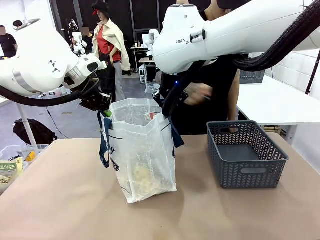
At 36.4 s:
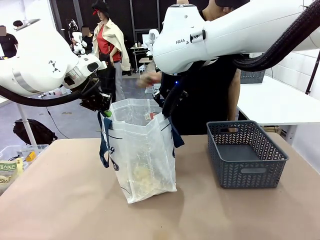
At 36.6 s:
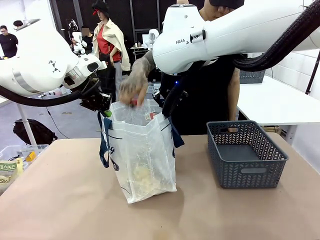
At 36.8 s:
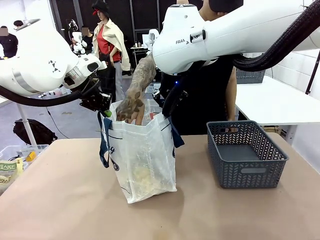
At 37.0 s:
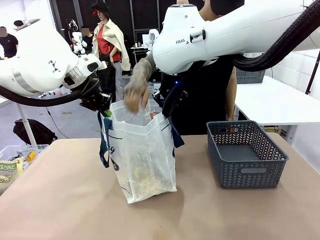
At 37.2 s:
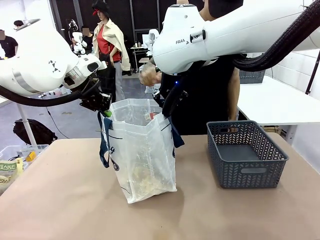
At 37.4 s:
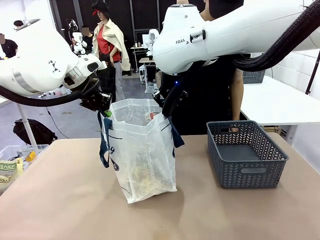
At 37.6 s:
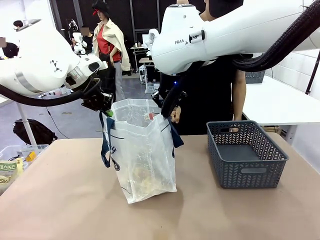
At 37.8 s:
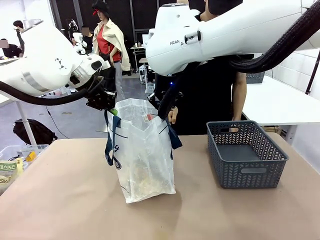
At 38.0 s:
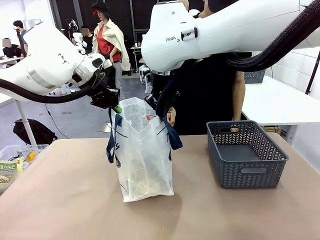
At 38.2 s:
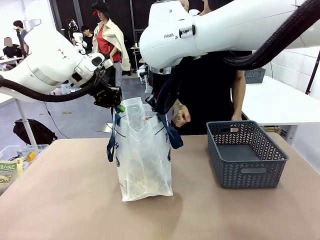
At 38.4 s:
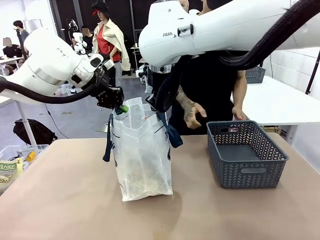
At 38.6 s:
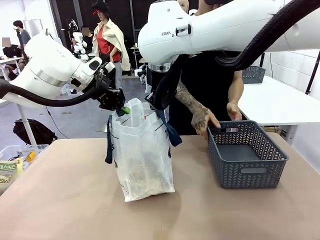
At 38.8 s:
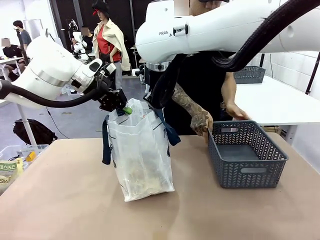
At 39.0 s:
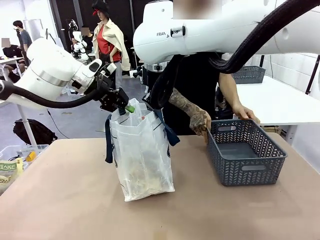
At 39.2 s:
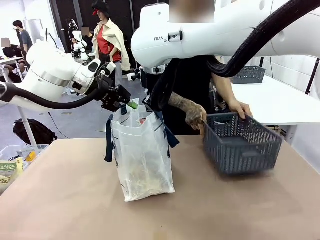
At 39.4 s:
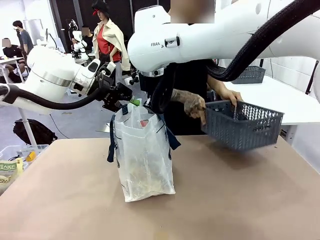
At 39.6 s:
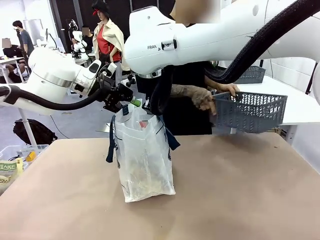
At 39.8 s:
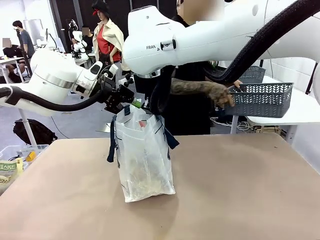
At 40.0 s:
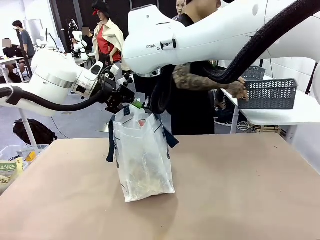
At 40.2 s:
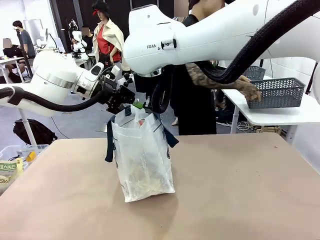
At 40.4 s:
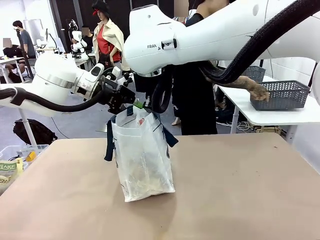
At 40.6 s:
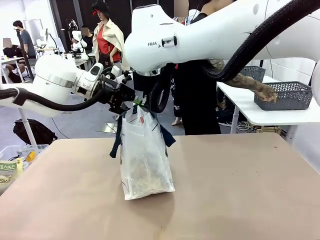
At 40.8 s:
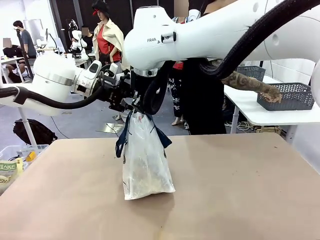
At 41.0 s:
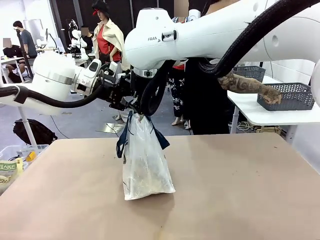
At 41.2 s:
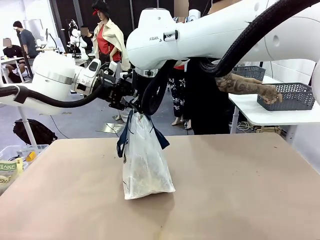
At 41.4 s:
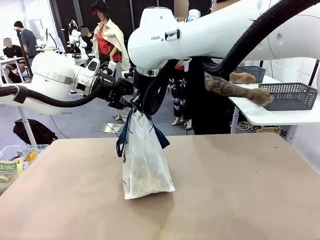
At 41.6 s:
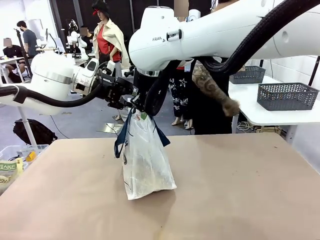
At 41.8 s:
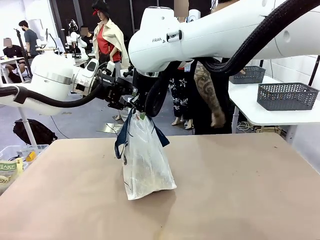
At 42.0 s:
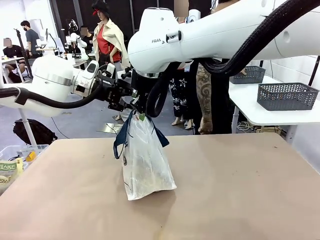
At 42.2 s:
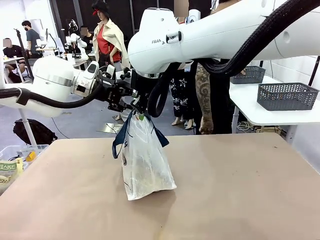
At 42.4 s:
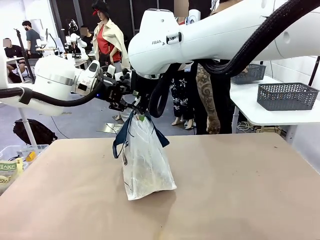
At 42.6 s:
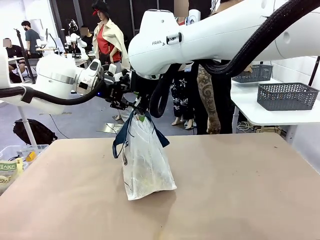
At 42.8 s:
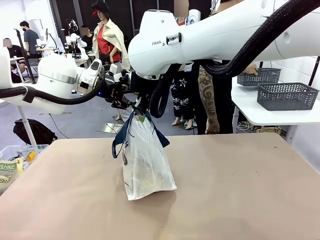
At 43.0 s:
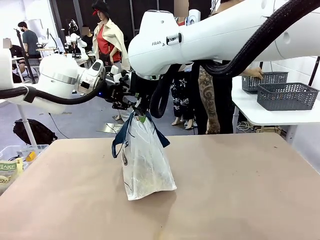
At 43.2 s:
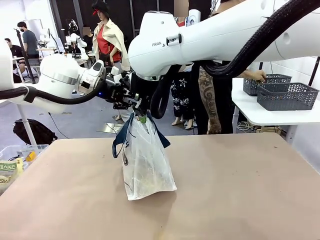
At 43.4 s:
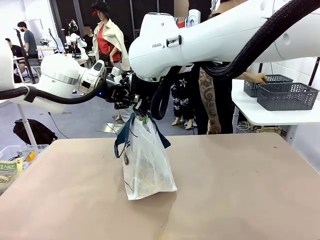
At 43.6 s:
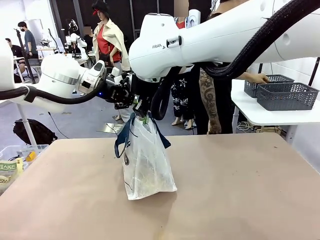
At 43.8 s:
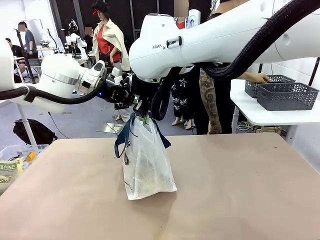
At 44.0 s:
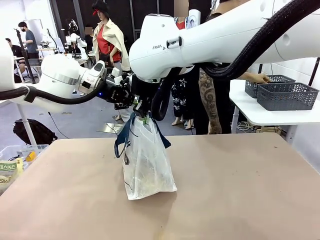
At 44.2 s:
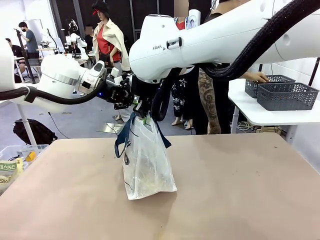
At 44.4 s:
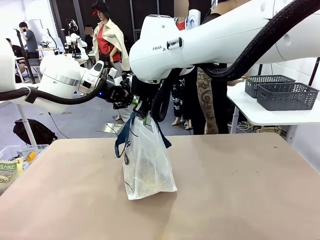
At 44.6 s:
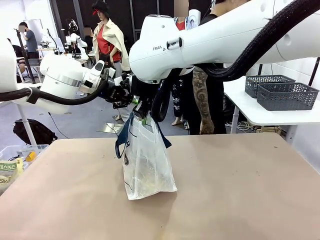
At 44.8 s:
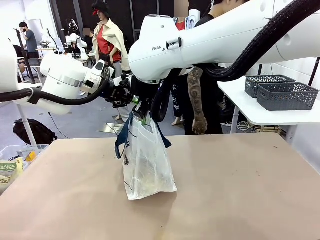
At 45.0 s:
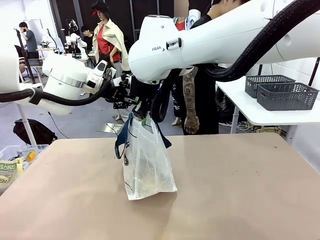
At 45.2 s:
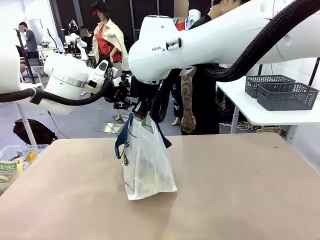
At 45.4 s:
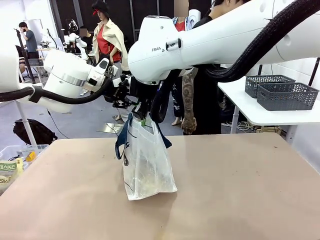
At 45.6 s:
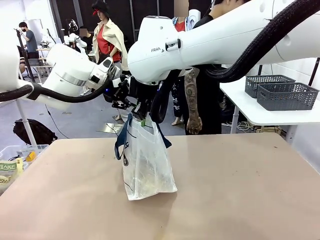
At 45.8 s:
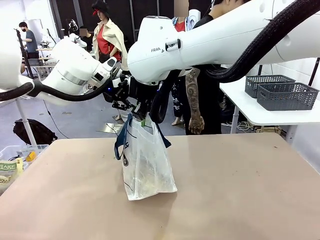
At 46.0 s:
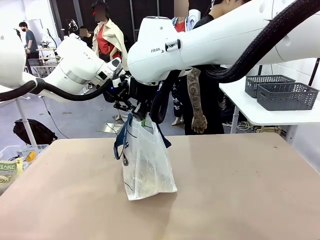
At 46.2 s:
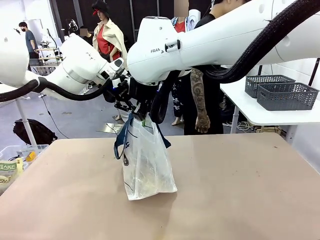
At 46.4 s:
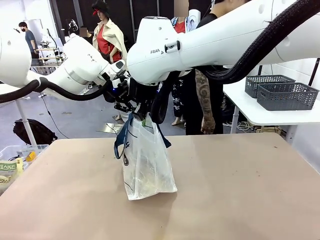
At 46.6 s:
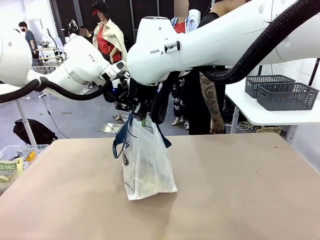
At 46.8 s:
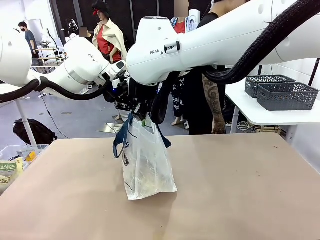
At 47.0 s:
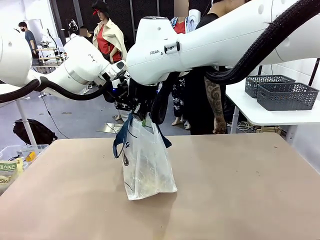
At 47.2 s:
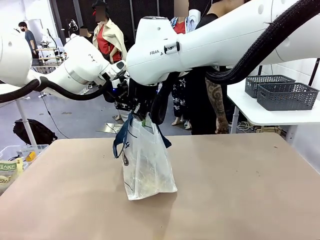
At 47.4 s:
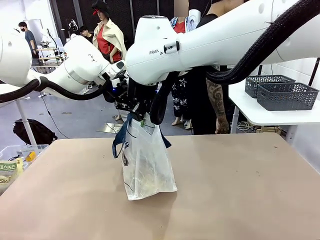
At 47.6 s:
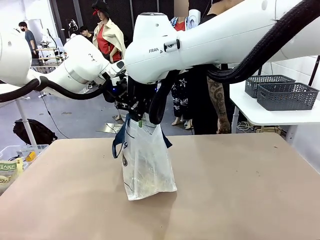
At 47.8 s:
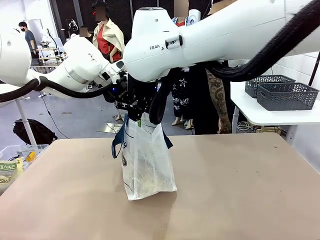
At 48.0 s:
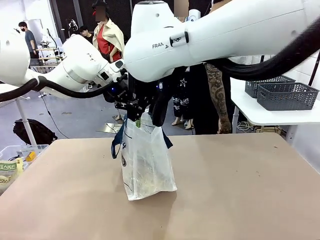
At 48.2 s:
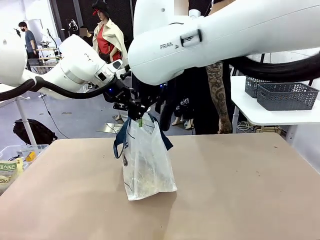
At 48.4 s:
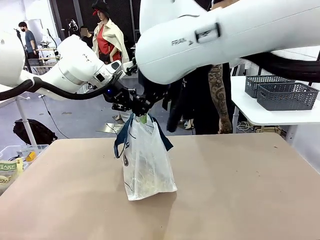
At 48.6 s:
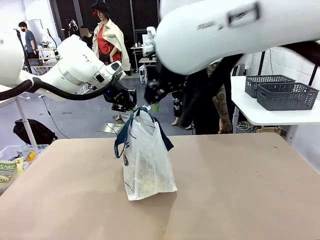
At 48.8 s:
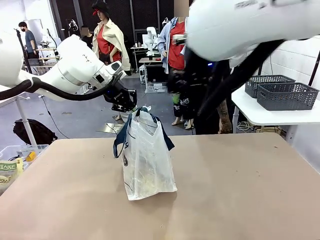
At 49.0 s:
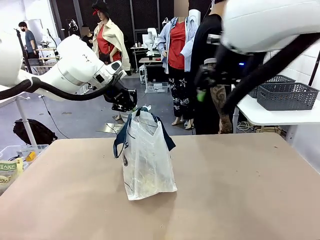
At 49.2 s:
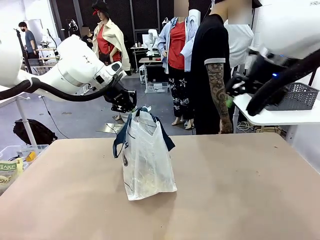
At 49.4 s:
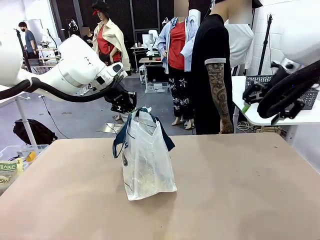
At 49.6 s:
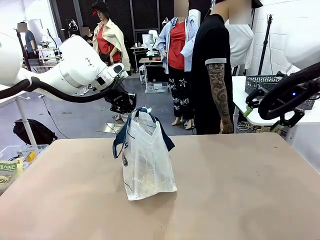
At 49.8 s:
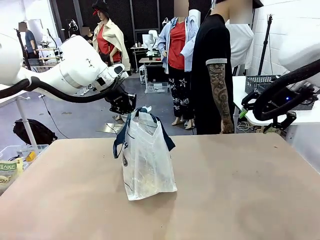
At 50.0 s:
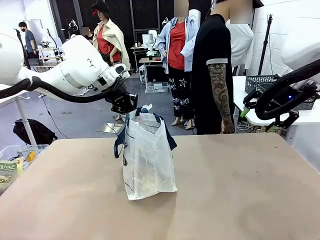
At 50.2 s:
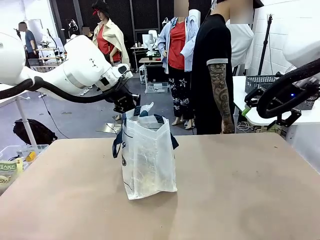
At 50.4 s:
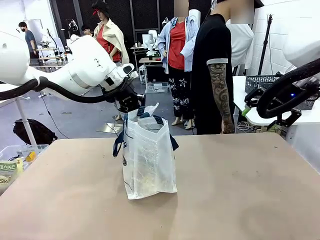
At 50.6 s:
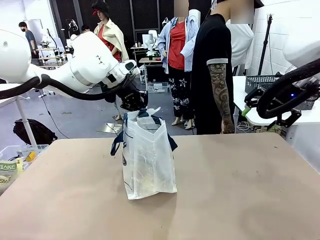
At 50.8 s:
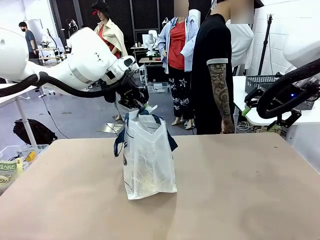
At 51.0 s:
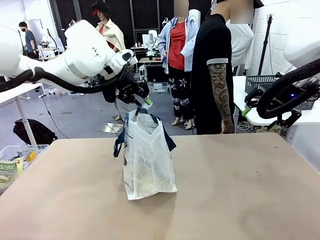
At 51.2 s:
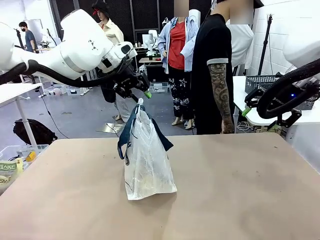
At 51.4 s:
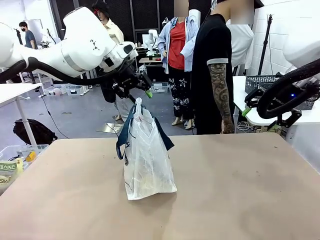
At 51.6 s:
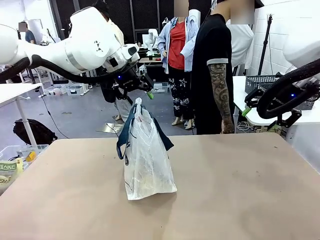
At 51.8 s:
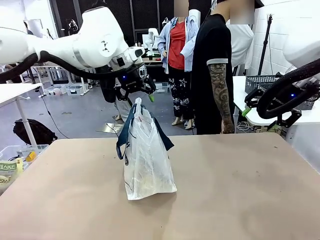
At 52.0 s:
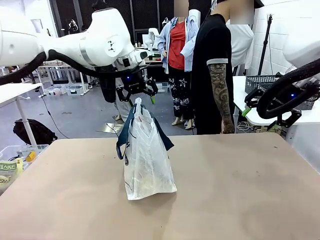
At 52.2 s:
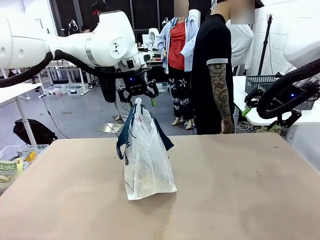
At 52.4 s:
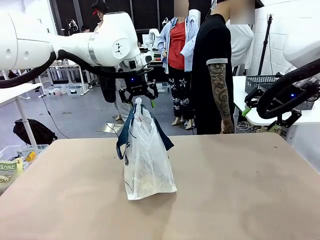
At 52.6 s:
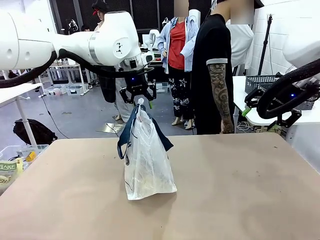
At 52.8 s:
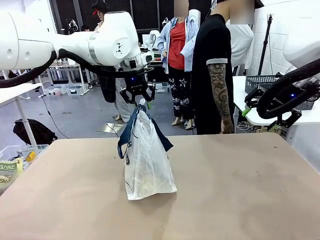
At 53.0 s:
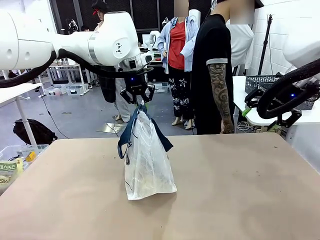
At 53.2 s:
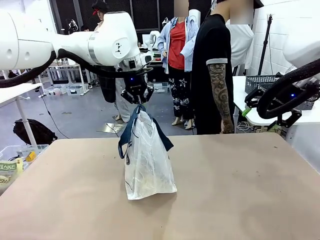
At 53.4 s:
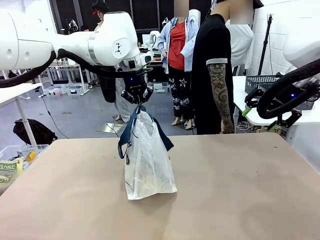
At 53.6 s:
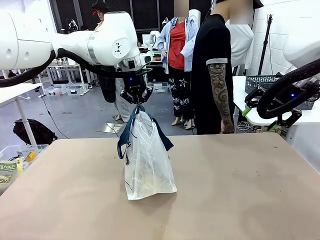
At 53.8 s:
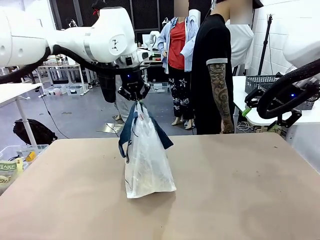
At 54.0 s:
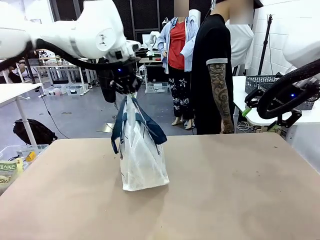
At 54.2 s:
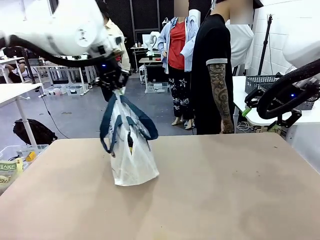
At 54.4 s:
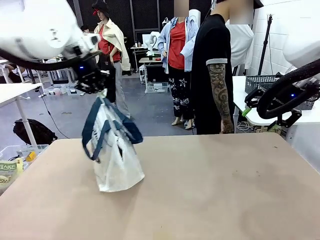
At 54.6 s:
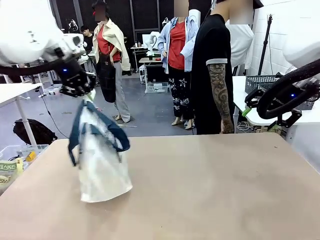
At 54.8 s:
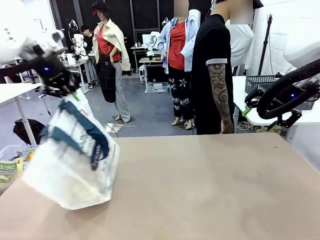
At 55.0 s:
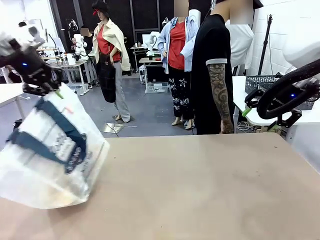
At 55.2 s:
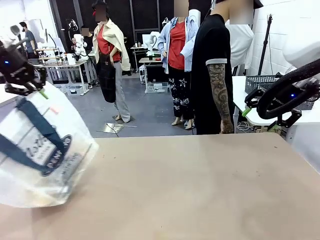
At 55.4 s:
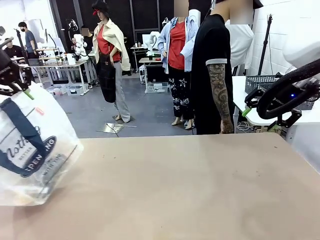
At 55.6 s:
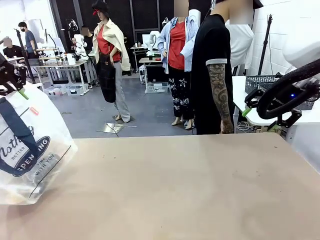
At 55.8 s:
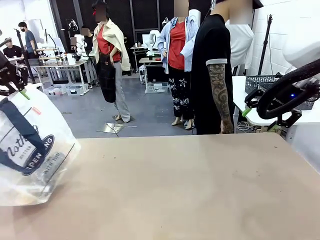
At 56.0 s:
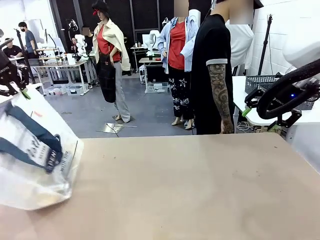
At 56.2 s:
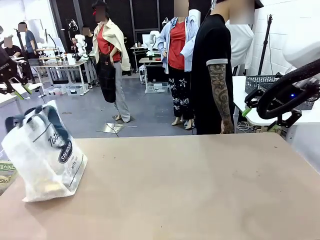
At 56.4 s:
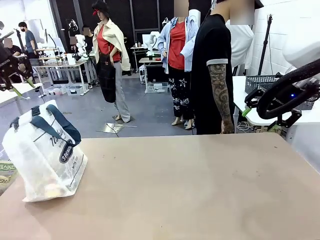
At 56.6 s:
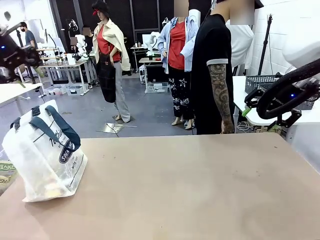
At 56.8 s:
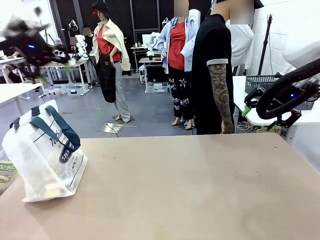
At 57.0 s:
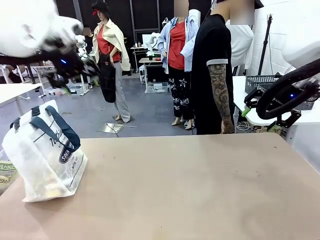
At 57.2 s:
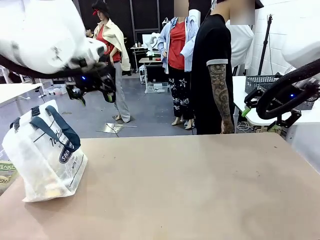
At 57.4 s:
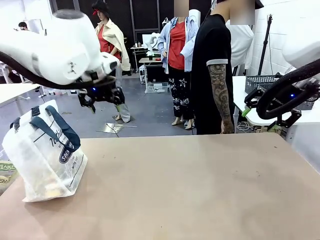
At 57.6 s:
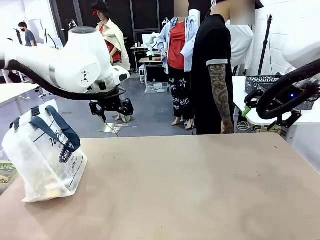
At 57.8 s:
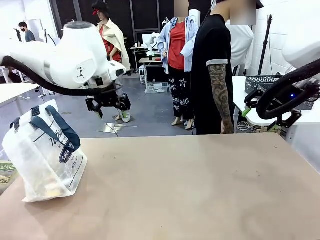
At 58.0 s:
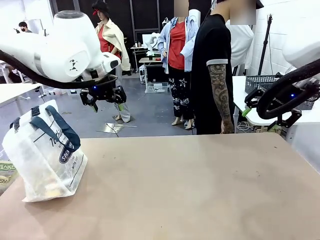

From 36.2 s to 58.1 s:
Task: Transfer purchased items from the store into the shopping bag.
Robot: Move the Reusable shopping bag to the right side of the table.
Person: Move the basket on the left to the middle of the person's table.
